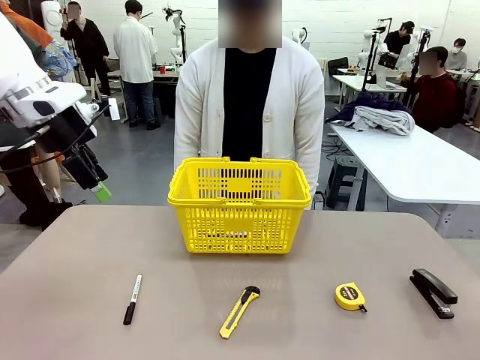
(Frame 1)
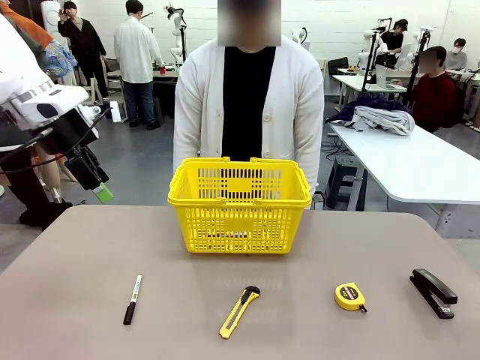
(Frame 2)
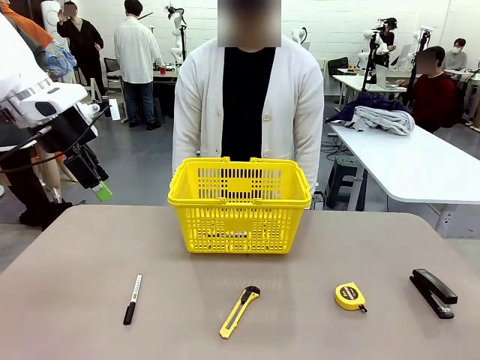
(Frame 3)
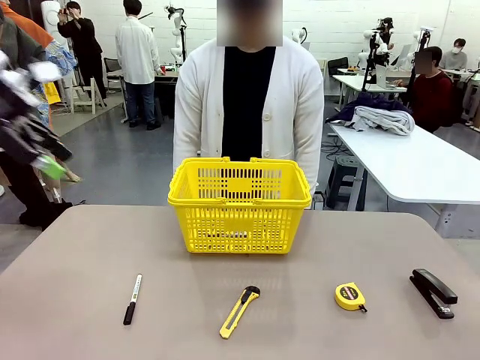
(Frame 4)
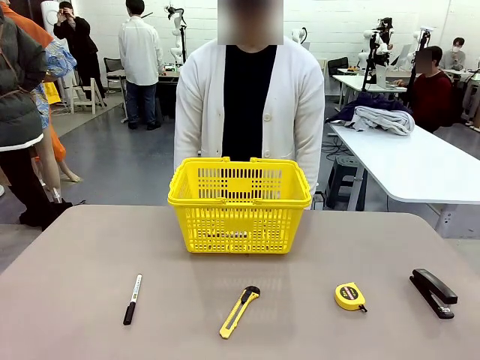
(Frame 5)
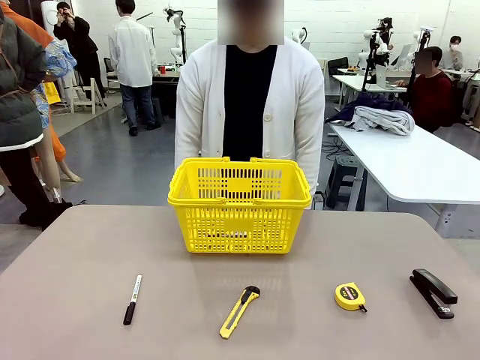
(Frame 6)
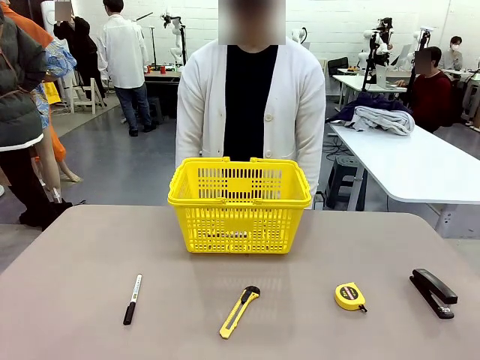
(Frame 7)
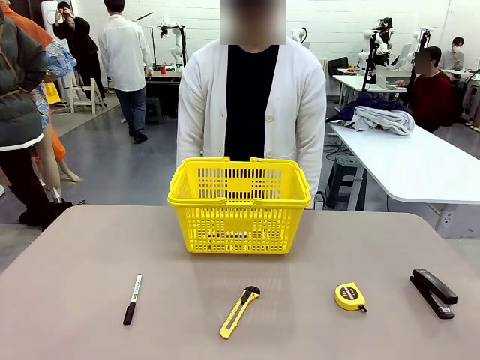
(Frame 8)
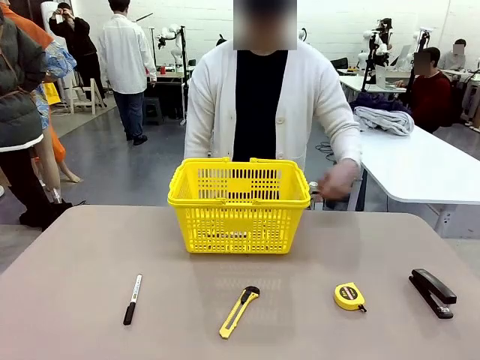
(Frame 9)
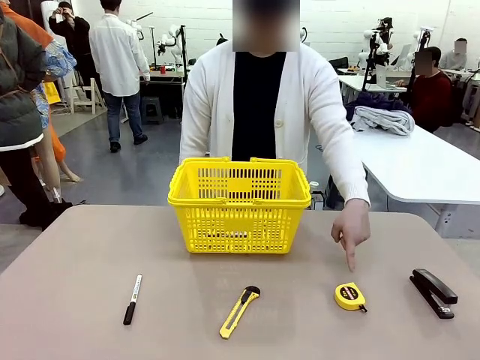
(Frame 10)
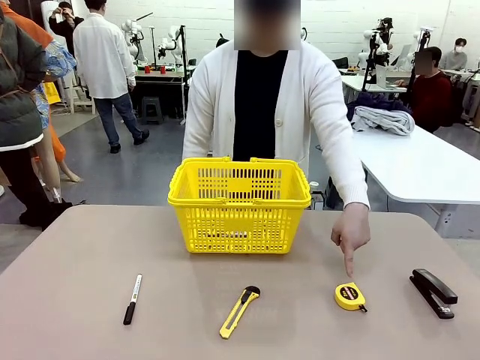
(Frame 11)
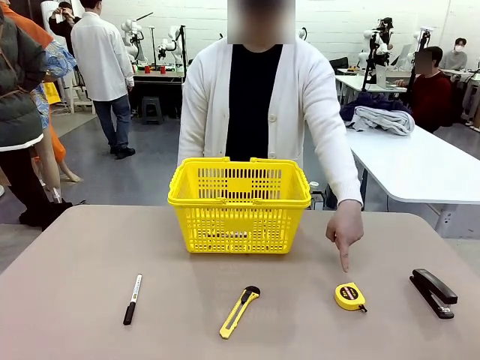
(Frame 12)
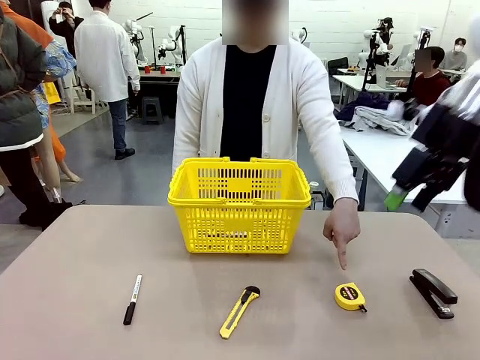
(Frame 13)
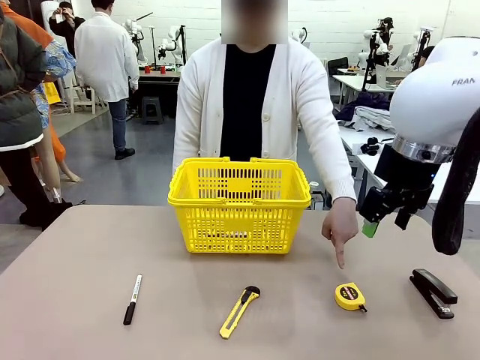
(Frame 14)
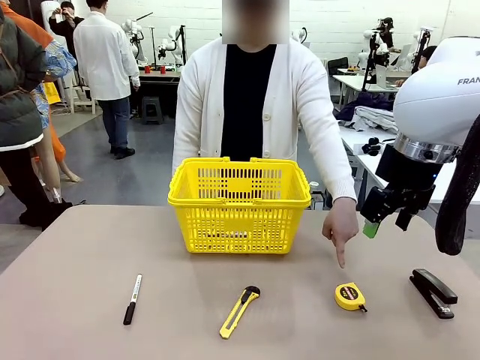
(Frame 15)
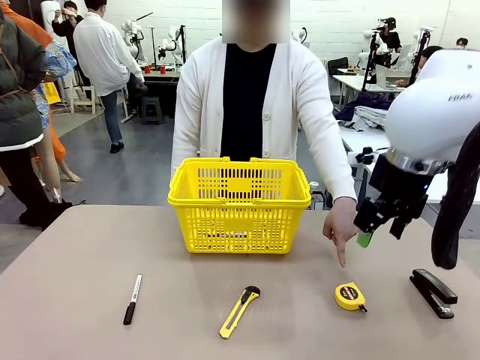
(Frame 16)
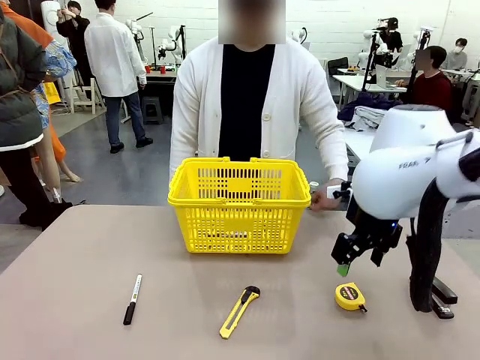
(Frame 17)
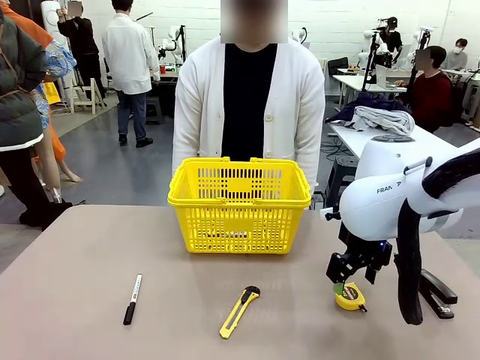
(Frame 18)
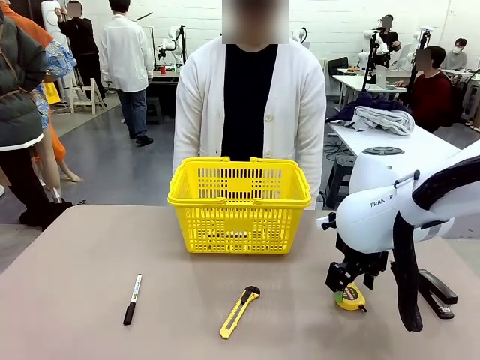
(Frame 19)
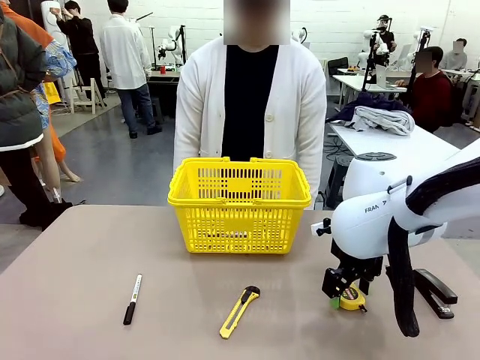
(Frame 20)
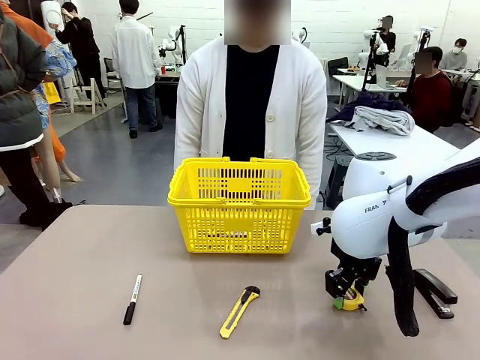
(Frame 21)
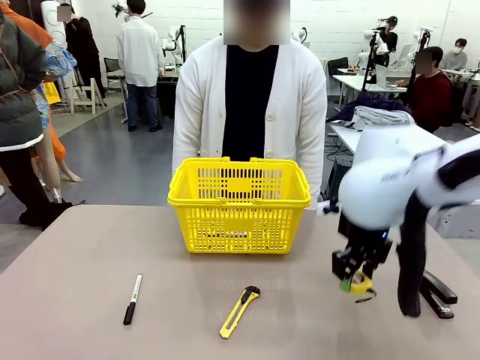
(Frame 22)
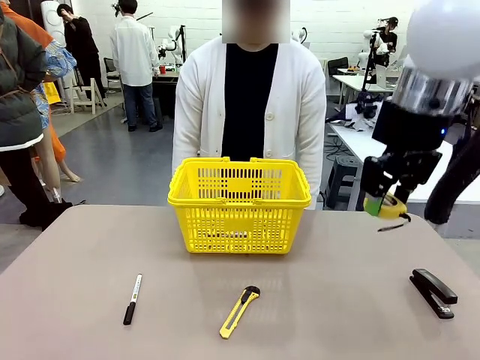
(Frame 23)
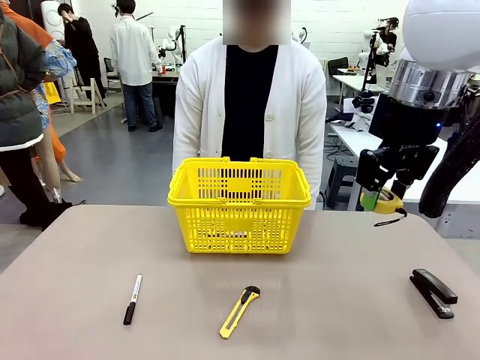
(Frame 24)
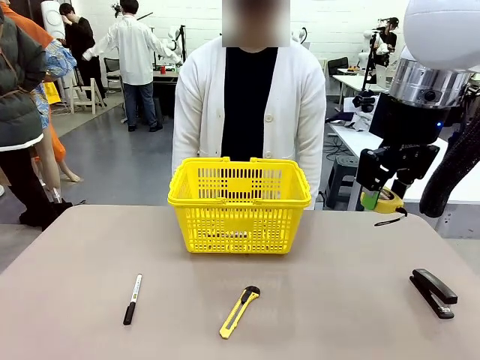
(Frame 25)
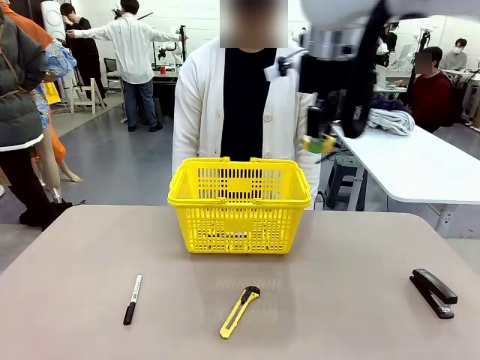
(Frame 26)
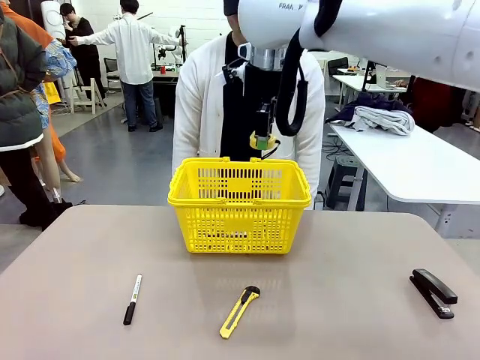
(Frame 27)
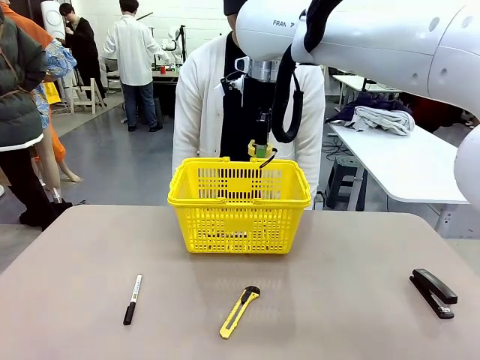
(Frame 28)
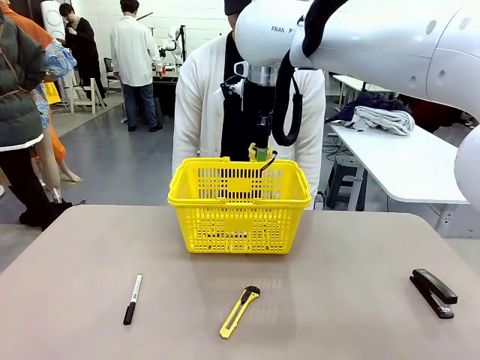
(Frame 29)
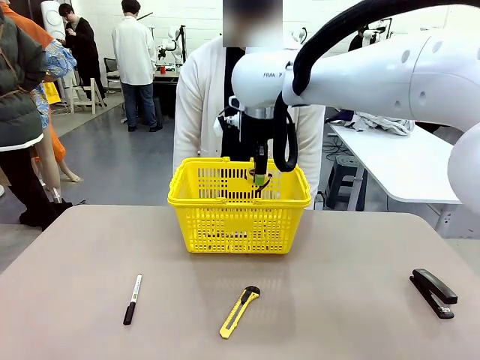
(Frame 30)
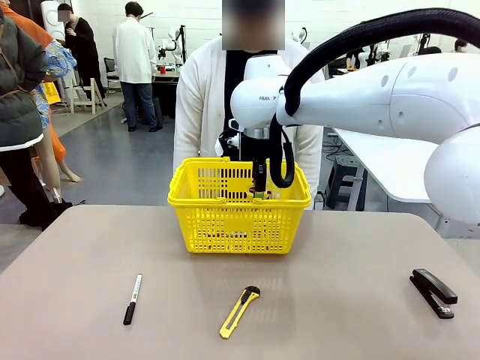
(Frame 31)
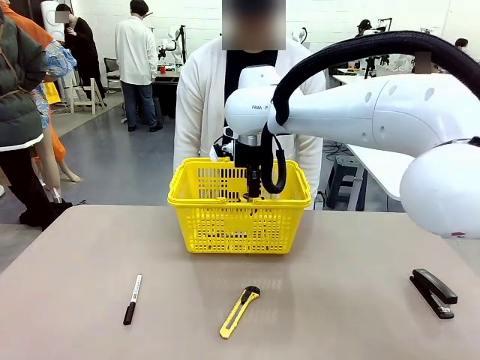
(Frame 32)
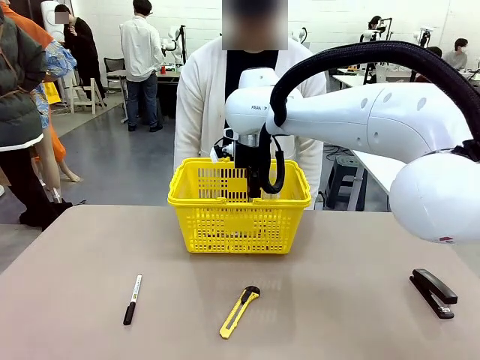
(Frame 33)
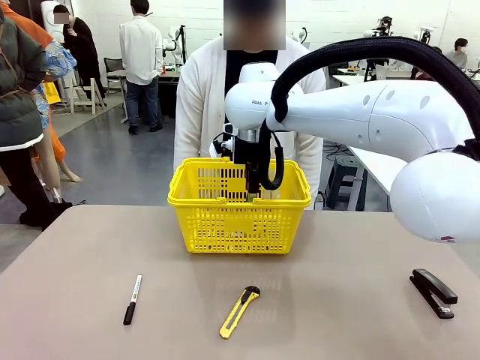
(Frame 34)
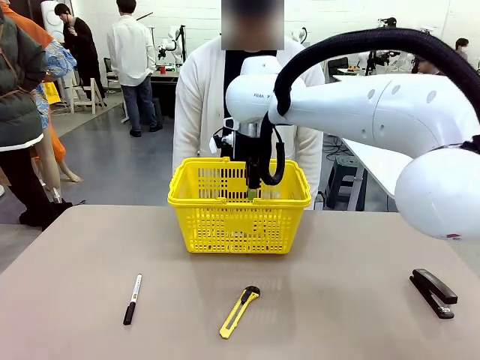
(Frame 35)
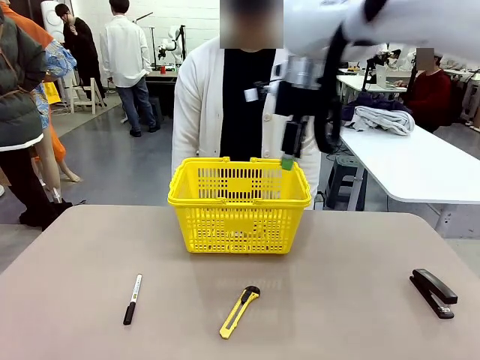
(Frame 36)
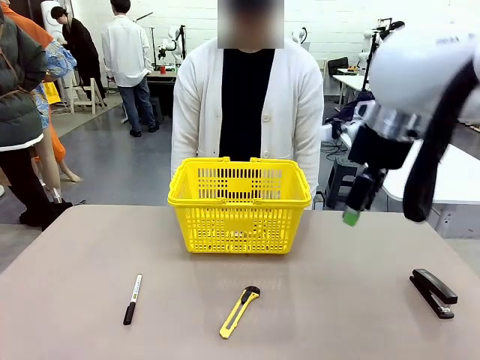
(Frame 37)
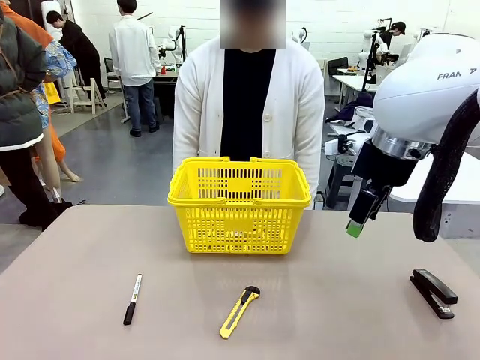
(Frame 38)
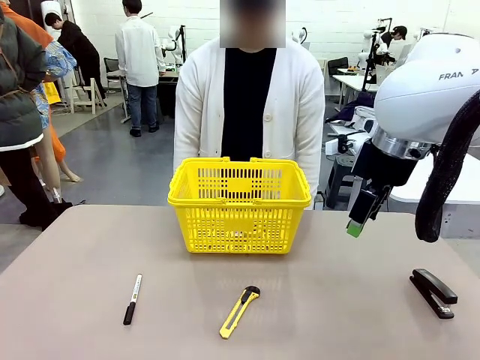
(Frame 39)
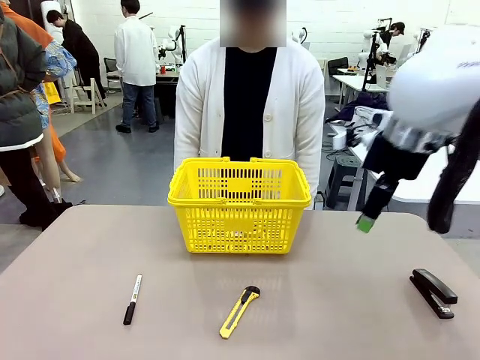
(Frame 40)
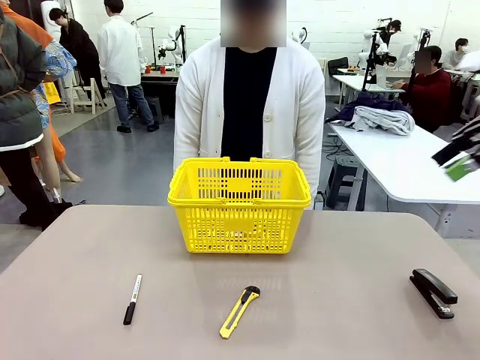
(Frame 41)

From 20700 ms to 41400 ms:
Task: Place the items the person wants into the basket.
Robot: Pick up the item the person points to and place it in the Market Basket.
